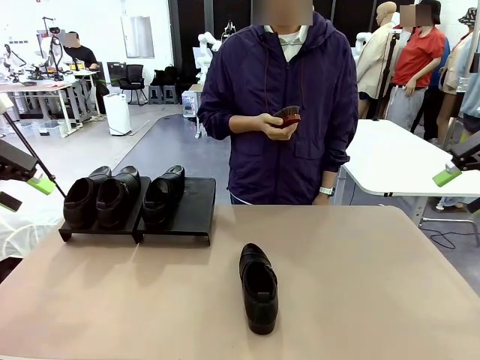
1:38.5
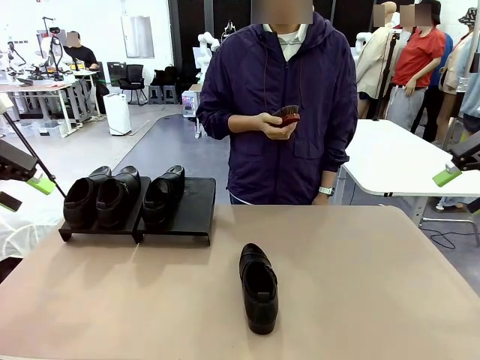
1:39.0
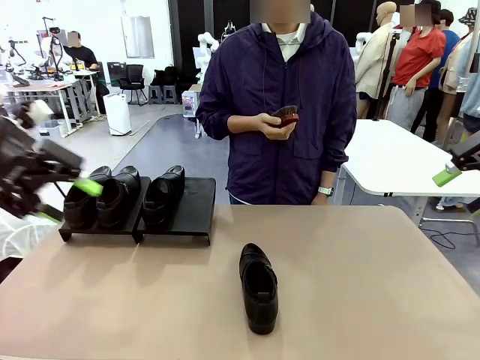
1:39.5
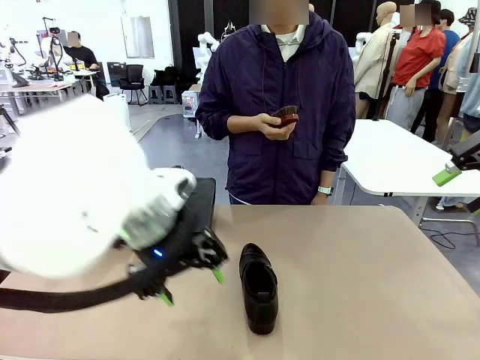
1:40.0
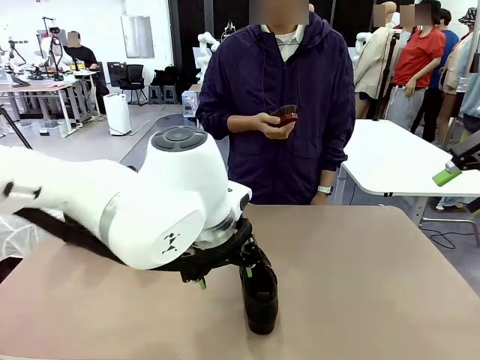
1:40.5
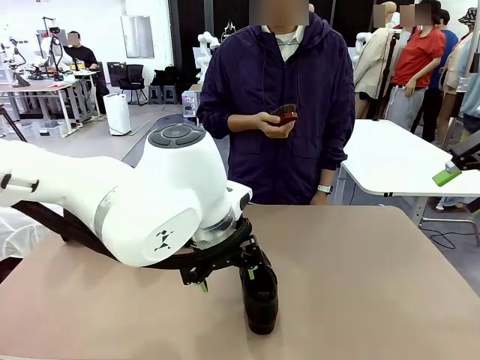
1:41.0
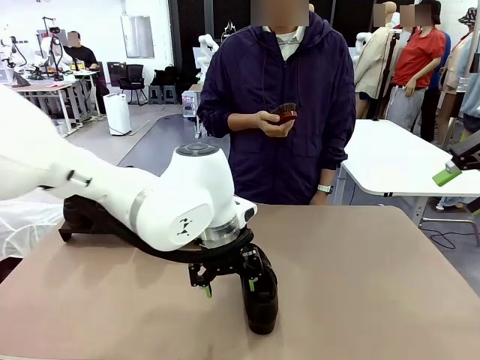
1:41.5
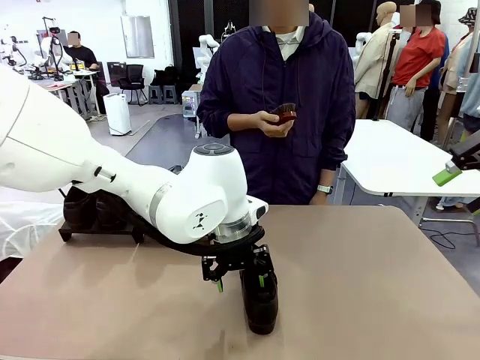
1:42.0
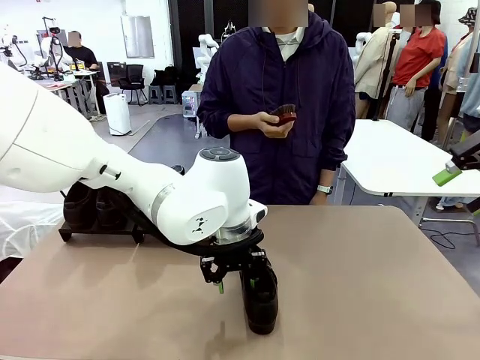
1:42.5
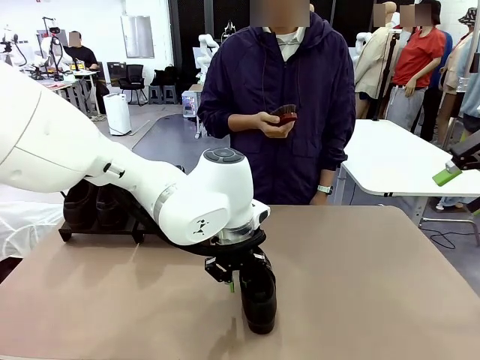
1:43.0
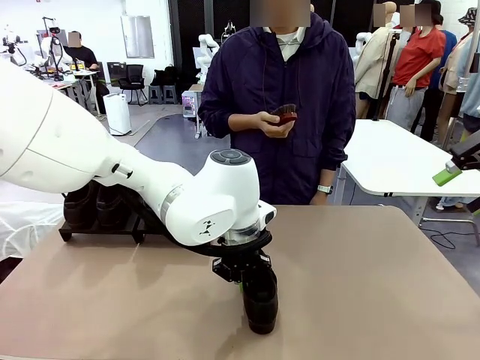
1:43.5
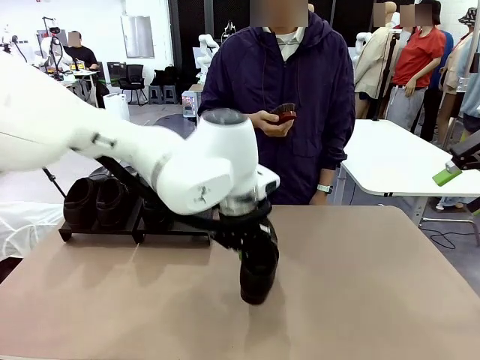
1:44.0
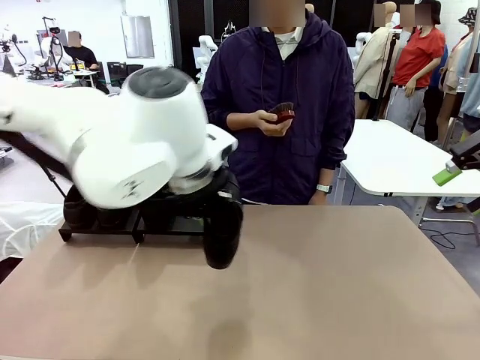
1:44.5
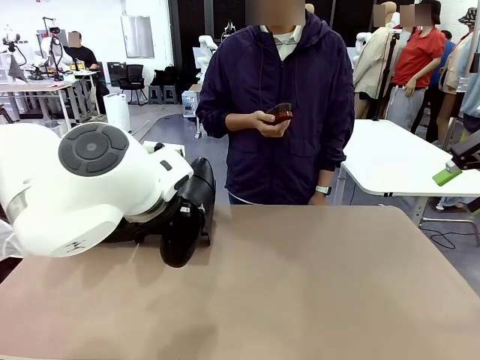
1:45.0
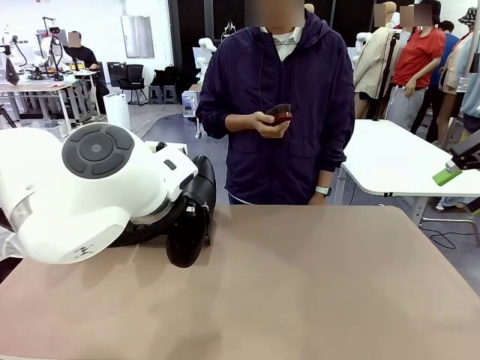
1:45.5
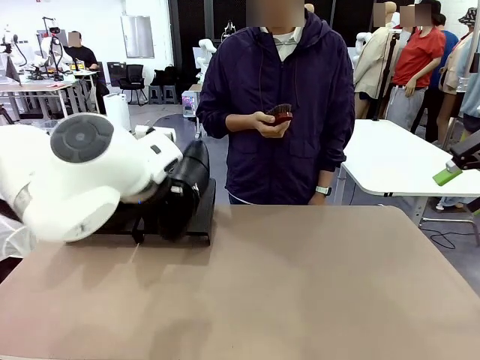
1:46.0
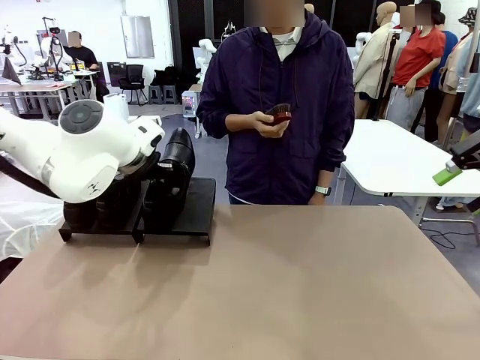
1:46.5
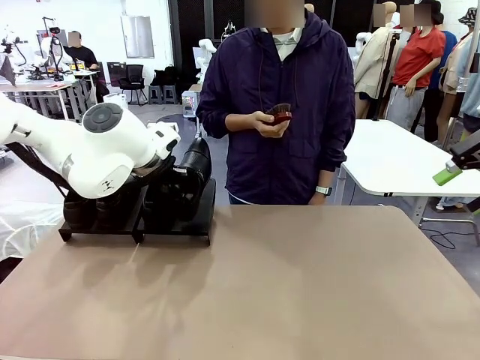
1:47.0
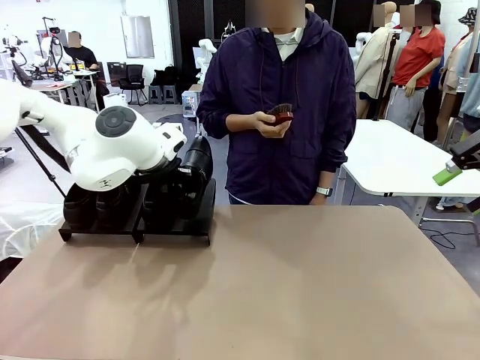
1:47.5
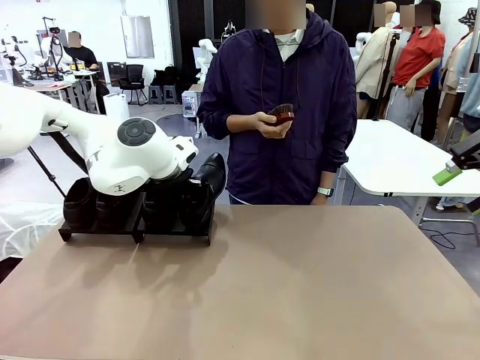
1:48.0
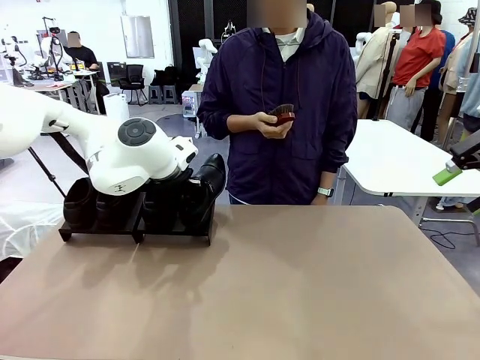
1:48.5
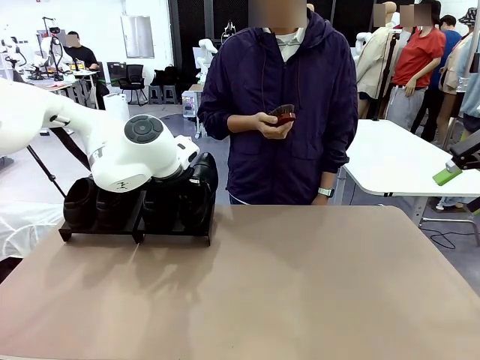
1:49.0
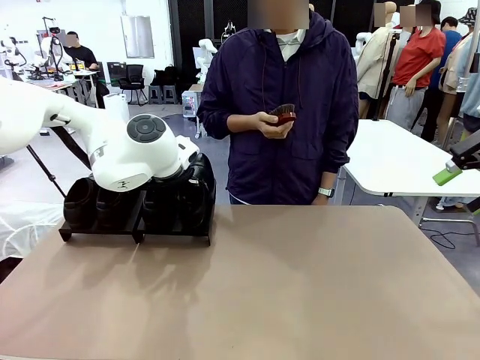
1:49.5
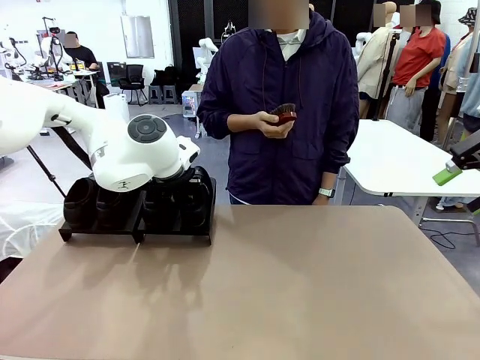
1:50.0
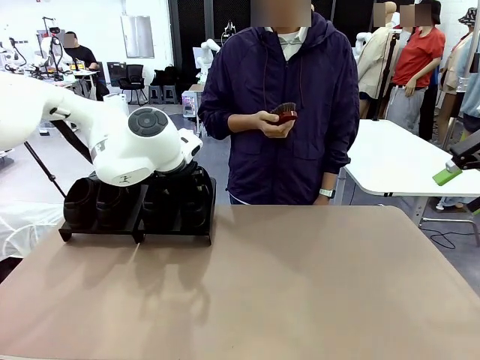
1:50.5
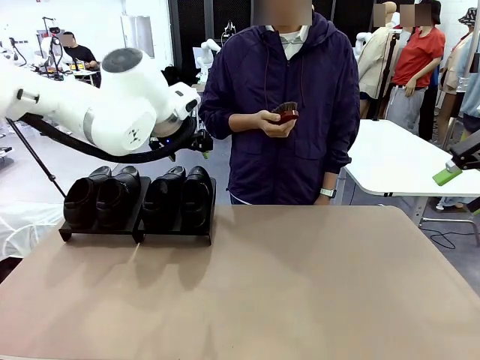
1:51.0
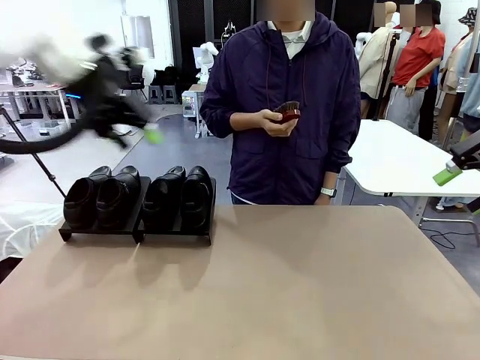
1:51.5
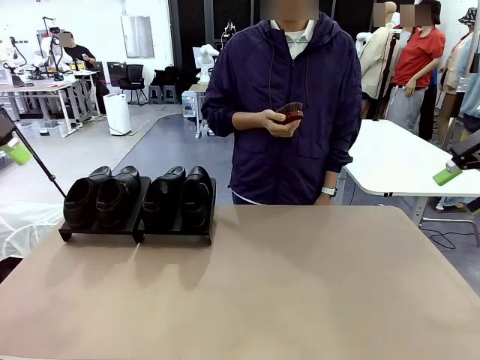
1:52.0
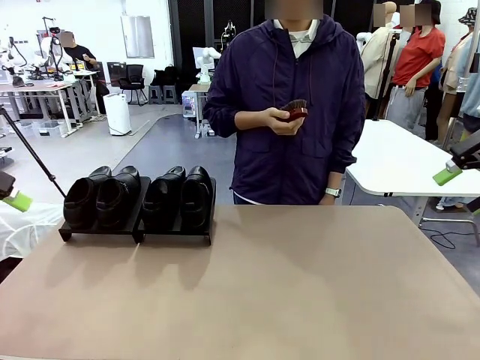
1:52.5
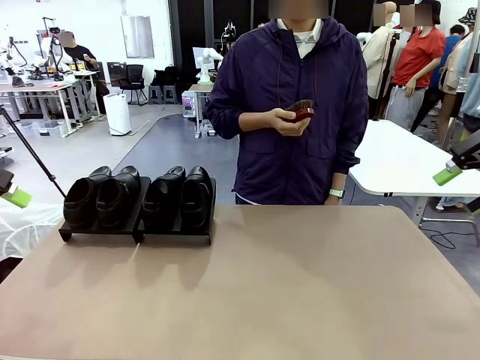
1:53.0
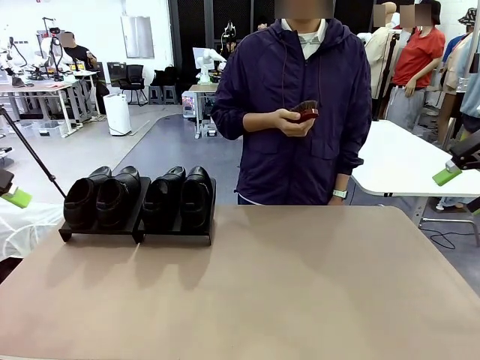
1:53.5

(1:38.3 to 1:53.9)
Task: Organize the shoes by placing them on the stand.
Robot: Place the Shoe from the middle of the table onto the Shoes Stand.

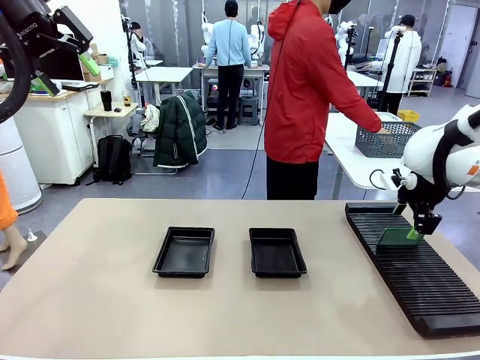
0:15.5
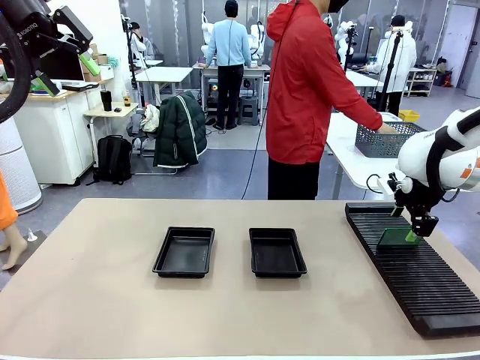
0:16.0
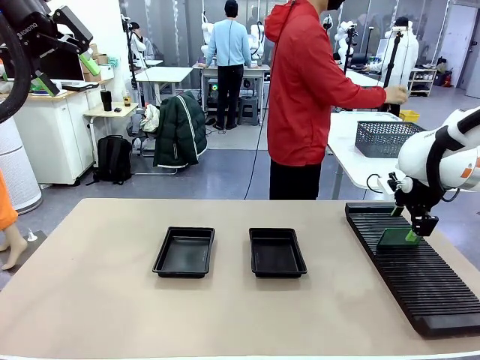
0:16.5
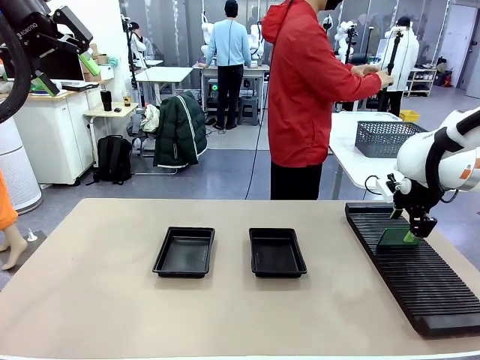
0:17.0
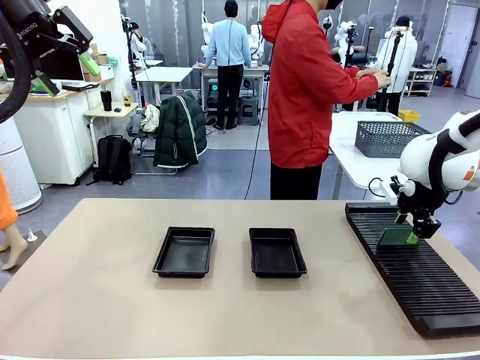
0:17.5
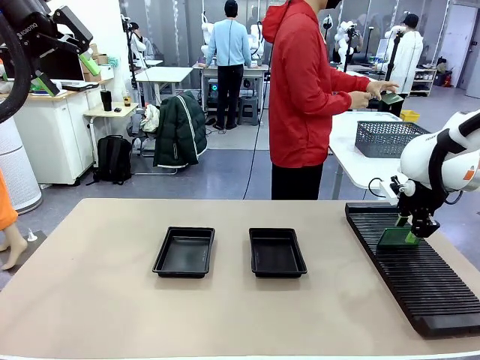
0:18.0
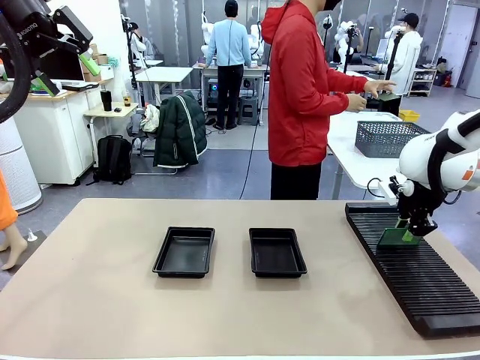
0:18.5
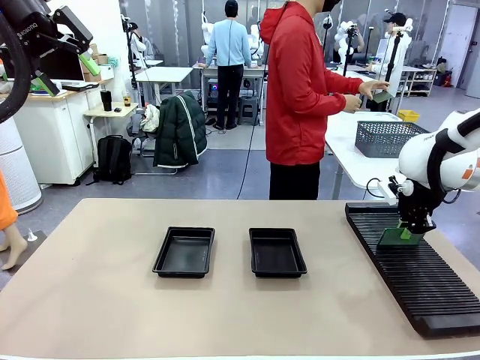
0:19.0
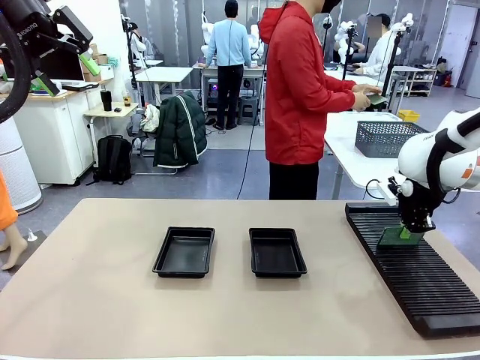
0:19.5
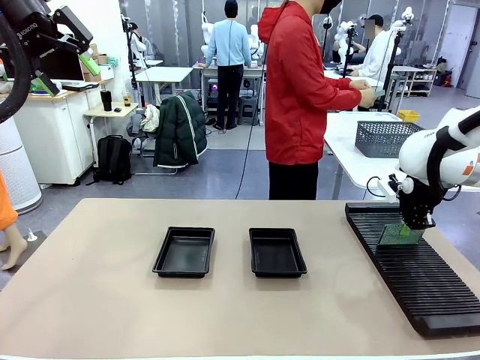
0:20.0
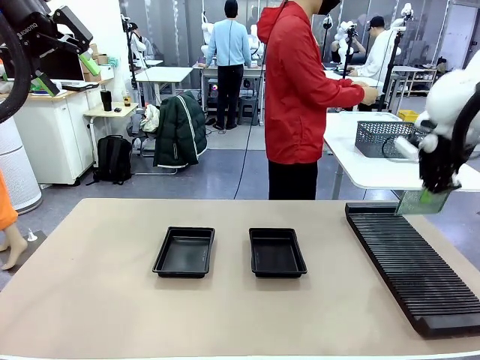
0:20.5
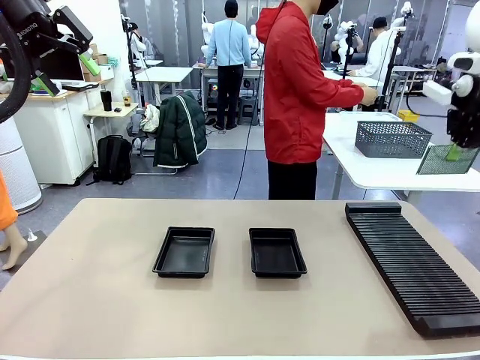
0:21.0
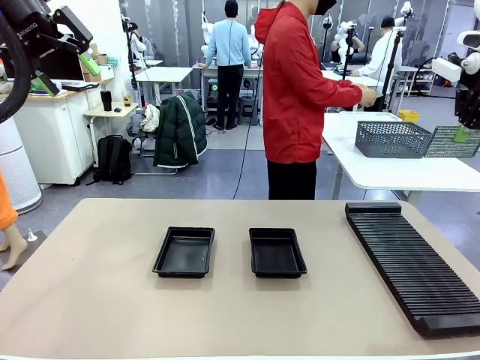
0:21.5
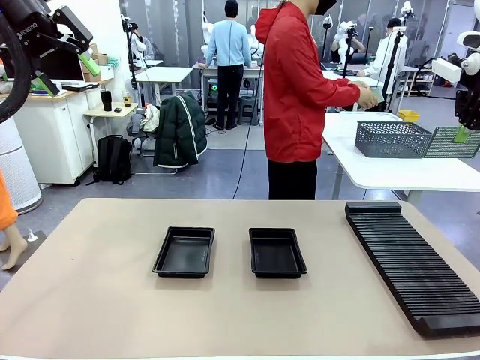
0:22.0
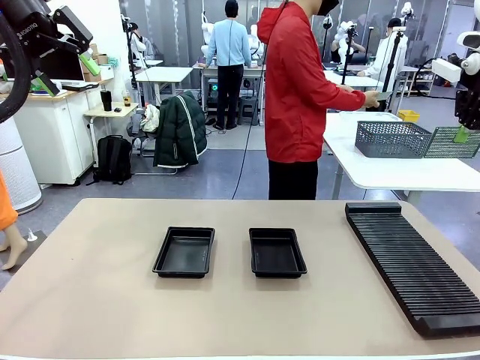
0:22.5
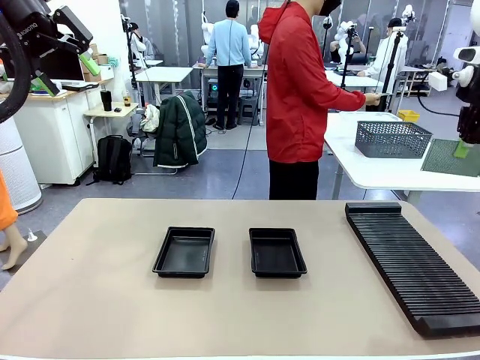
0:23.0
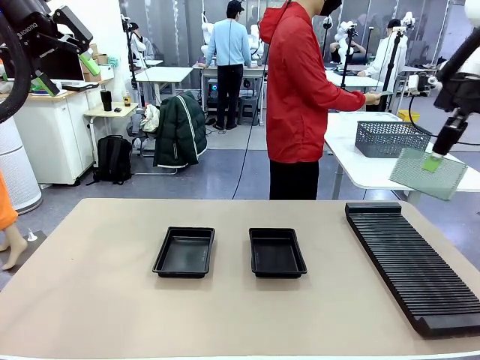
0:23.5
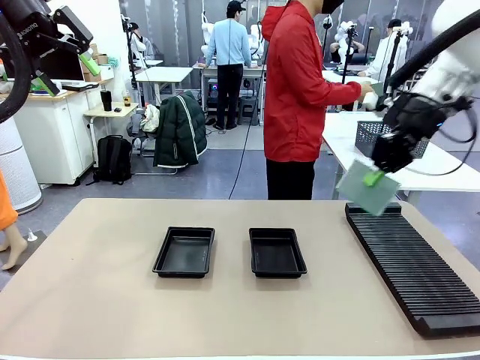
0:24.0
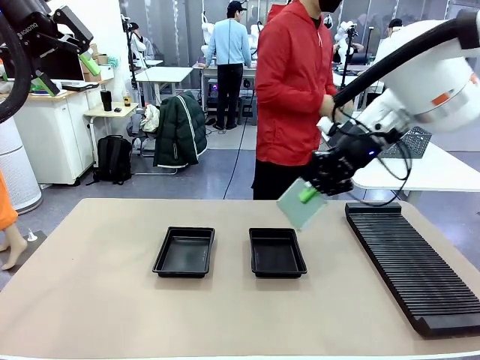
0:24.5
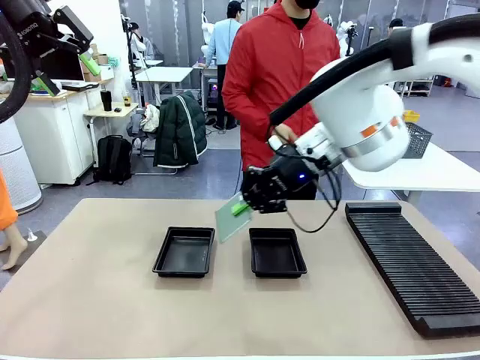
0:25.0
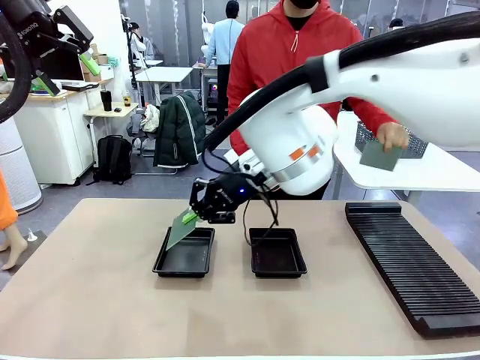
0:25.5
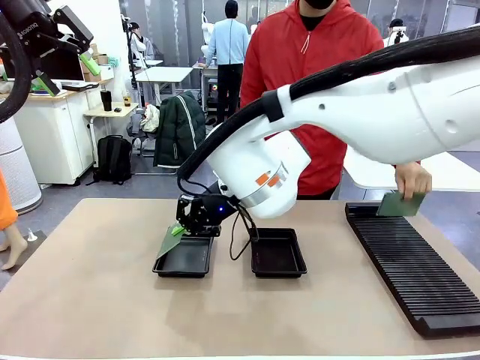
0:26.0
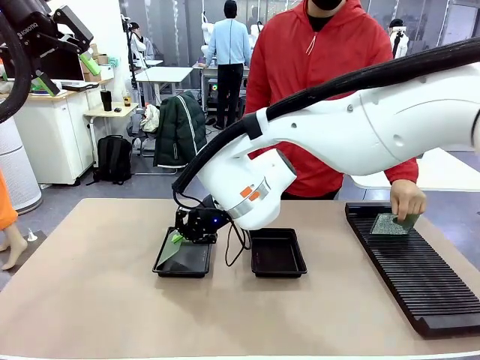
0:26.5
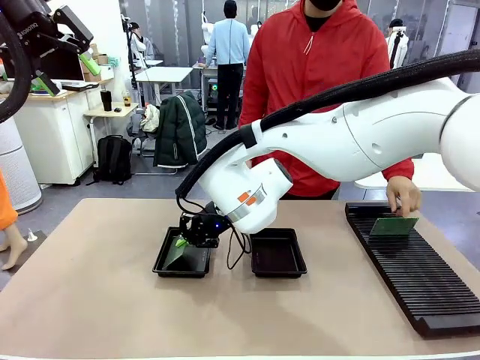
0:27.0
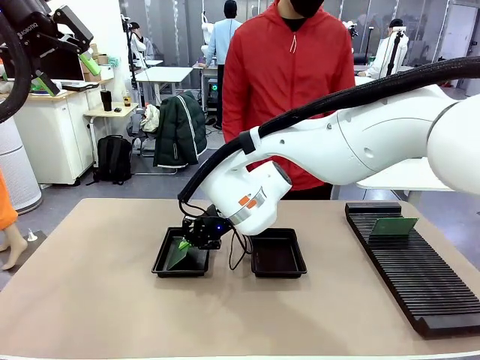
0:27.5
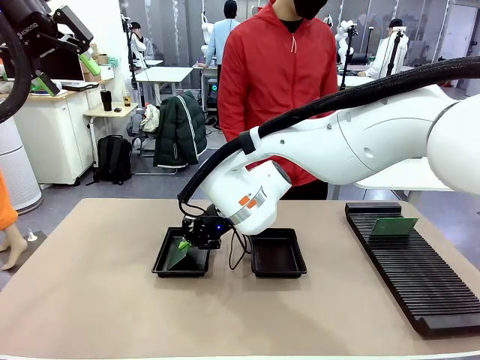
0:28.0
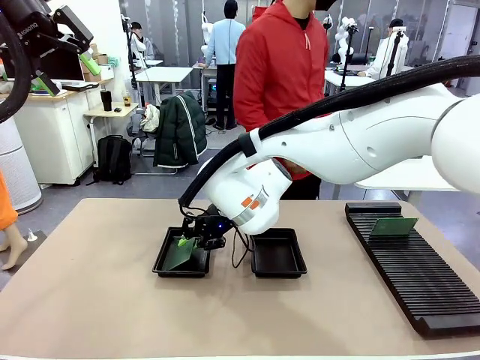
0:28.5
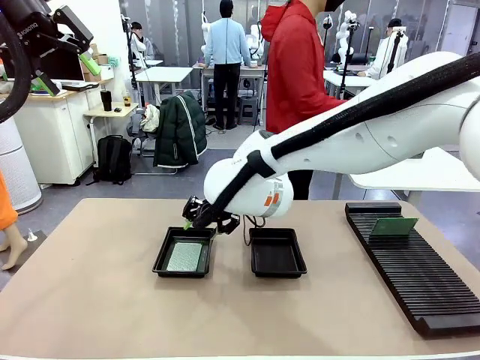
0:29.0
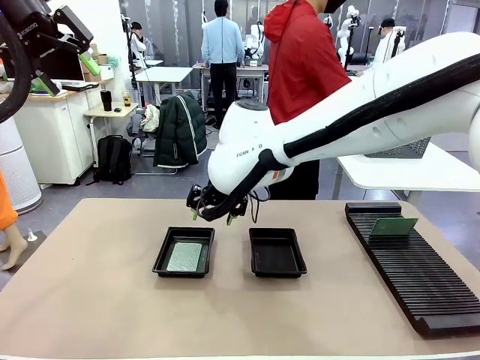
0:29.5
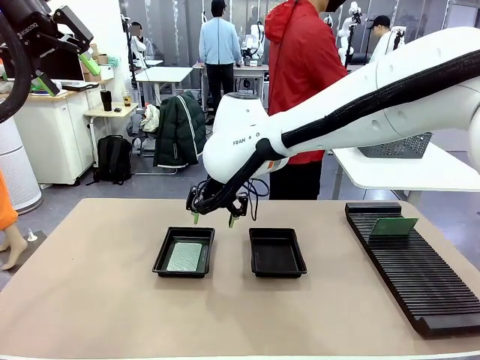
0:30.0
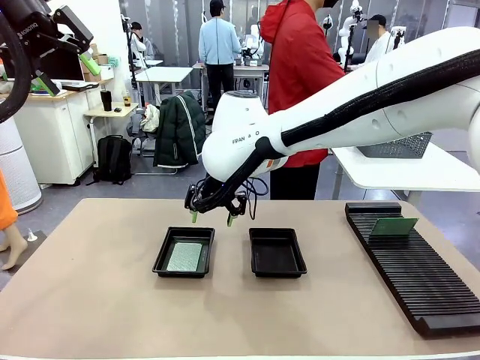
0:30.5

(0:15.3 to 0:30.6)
Task: Inspect and transfer BCBs to ESD trays.
Robot: Pick up the Blank PCB from the PCB Rack and place it in the left ESD tray.
